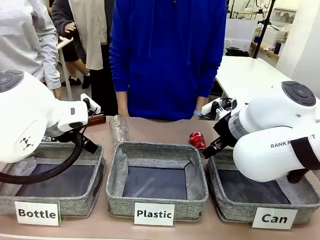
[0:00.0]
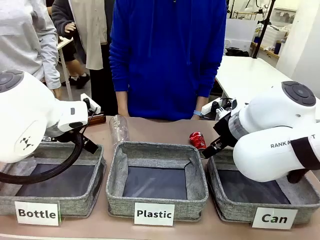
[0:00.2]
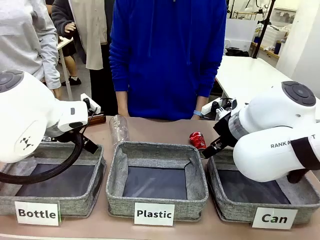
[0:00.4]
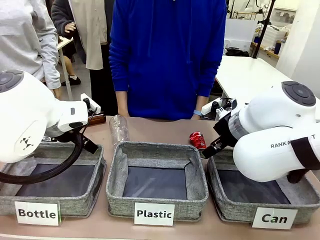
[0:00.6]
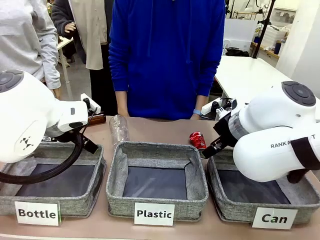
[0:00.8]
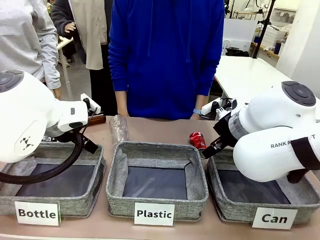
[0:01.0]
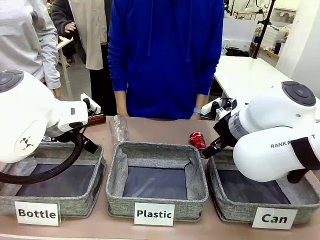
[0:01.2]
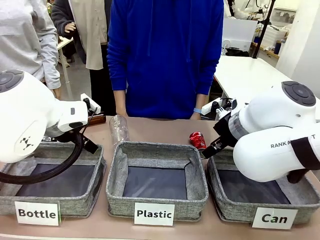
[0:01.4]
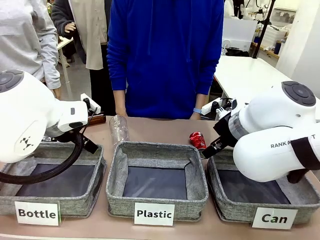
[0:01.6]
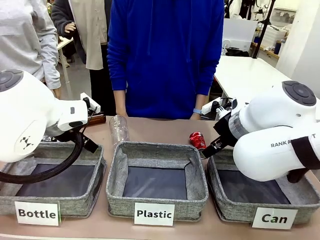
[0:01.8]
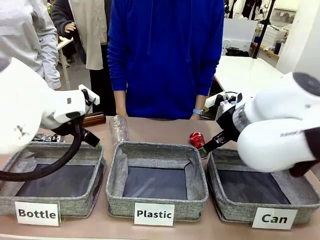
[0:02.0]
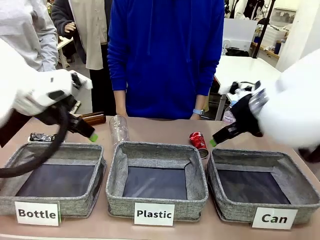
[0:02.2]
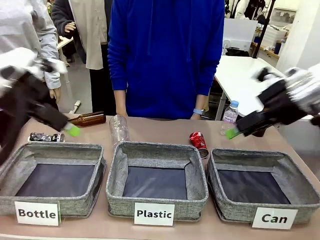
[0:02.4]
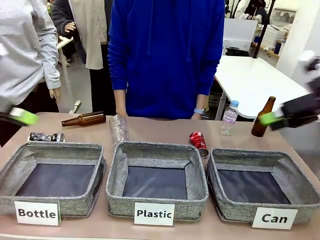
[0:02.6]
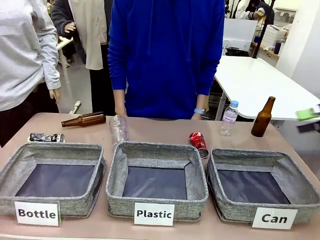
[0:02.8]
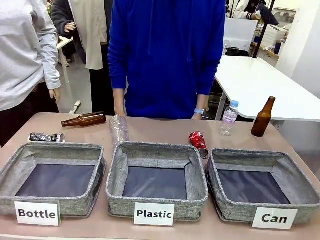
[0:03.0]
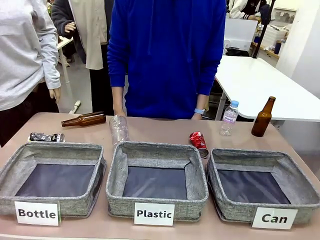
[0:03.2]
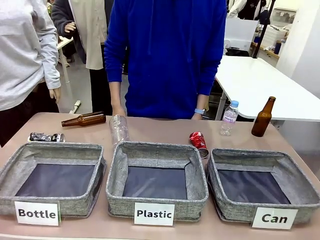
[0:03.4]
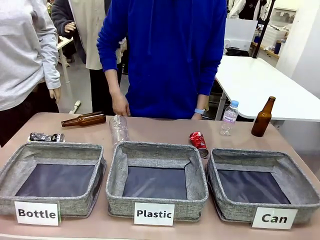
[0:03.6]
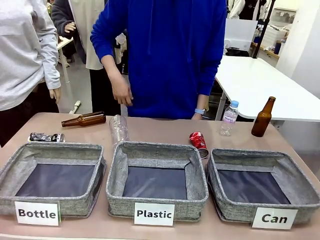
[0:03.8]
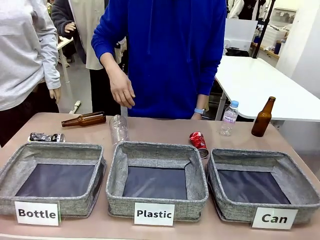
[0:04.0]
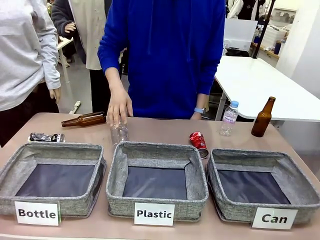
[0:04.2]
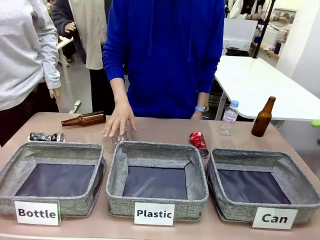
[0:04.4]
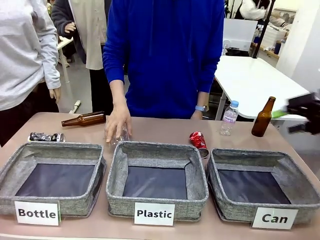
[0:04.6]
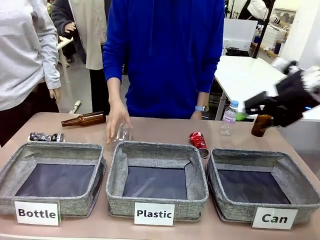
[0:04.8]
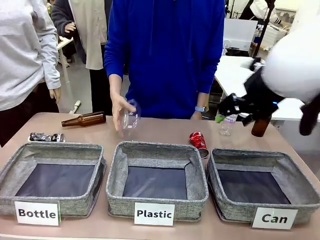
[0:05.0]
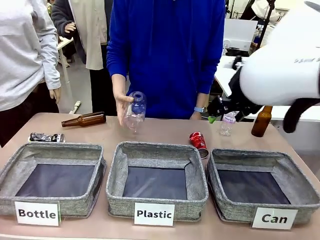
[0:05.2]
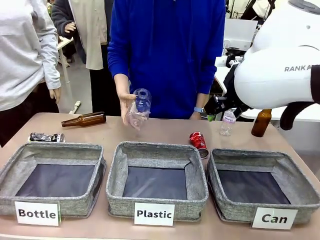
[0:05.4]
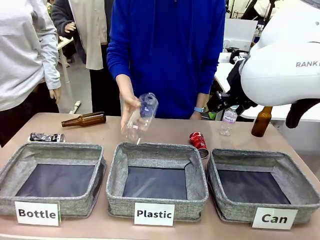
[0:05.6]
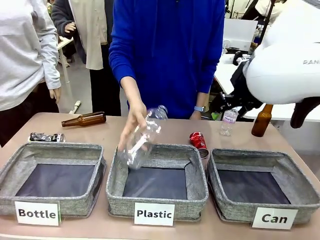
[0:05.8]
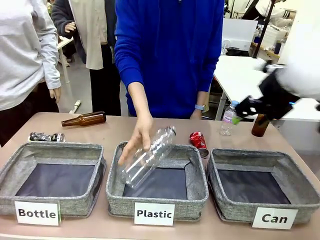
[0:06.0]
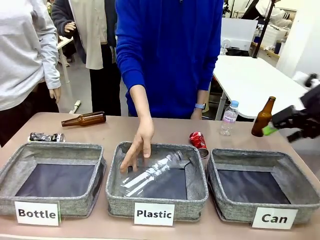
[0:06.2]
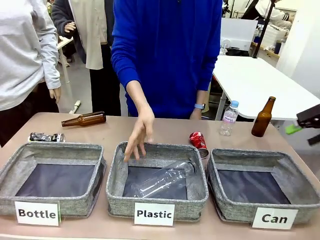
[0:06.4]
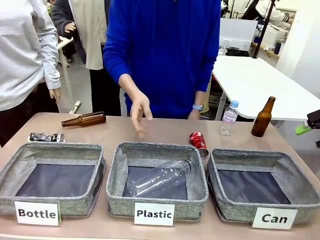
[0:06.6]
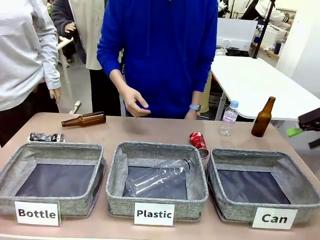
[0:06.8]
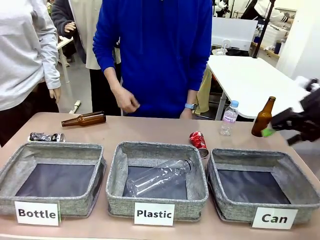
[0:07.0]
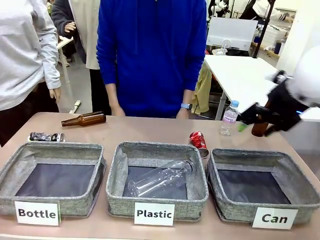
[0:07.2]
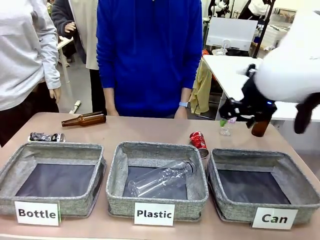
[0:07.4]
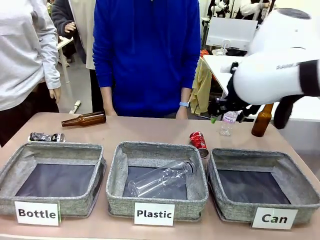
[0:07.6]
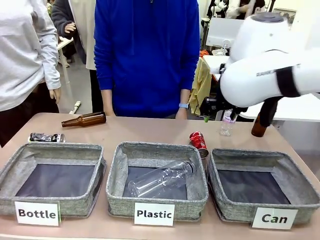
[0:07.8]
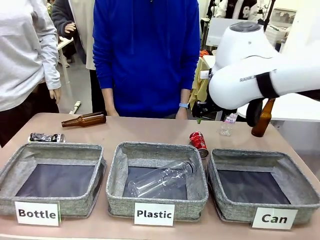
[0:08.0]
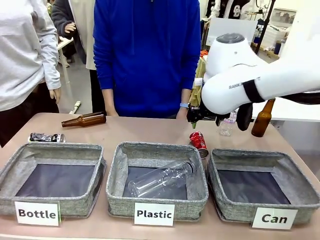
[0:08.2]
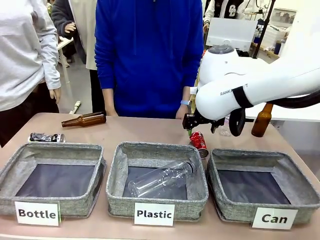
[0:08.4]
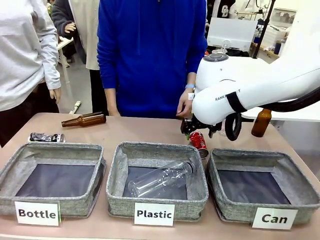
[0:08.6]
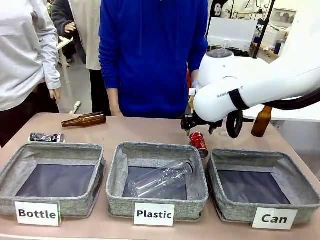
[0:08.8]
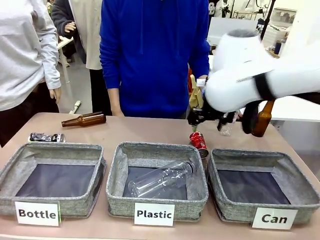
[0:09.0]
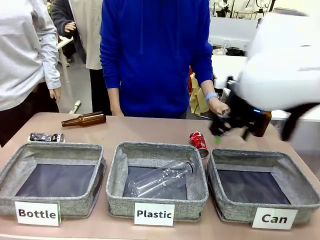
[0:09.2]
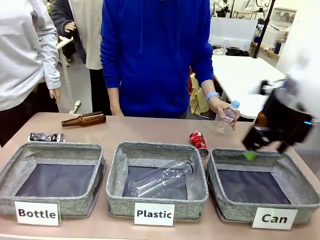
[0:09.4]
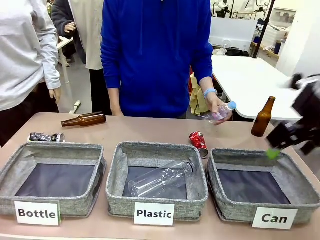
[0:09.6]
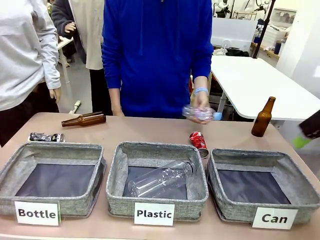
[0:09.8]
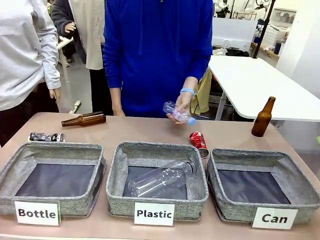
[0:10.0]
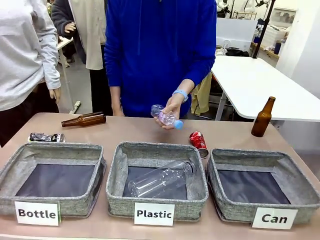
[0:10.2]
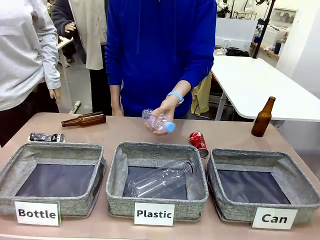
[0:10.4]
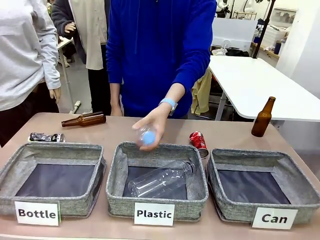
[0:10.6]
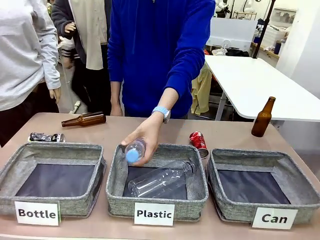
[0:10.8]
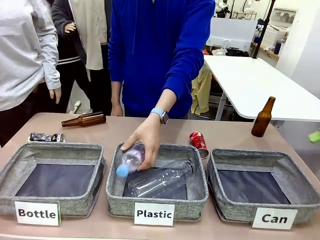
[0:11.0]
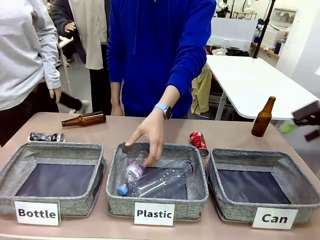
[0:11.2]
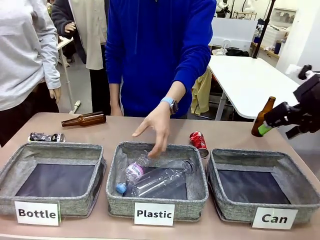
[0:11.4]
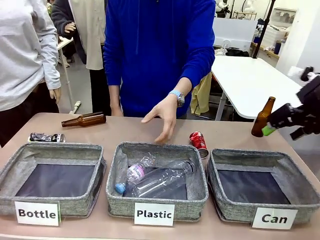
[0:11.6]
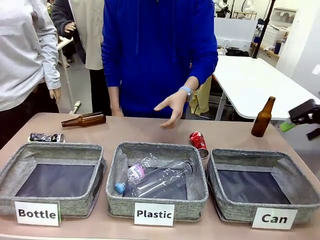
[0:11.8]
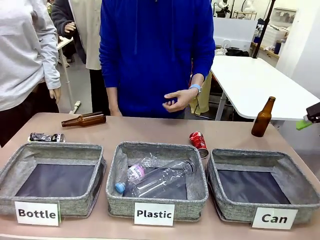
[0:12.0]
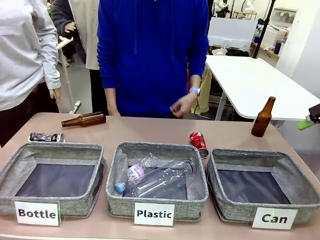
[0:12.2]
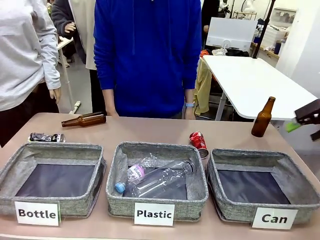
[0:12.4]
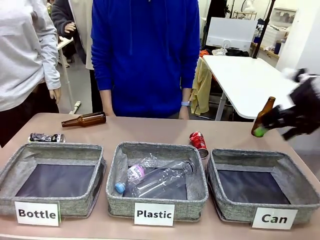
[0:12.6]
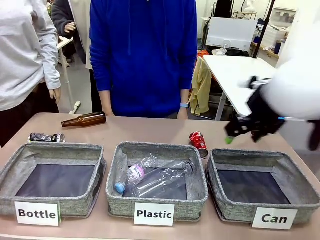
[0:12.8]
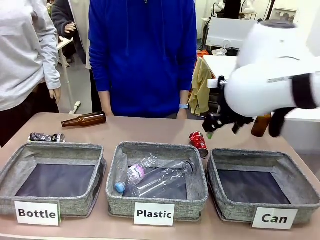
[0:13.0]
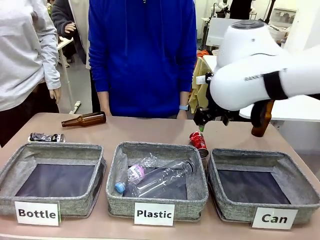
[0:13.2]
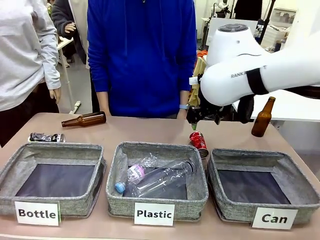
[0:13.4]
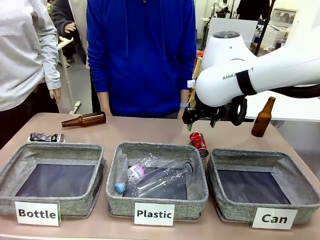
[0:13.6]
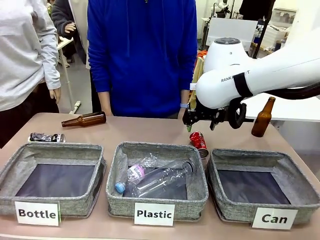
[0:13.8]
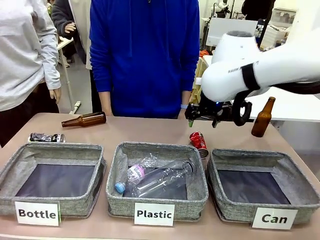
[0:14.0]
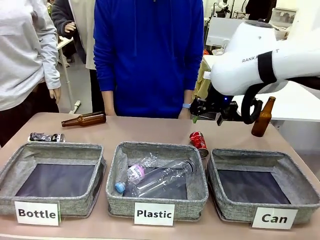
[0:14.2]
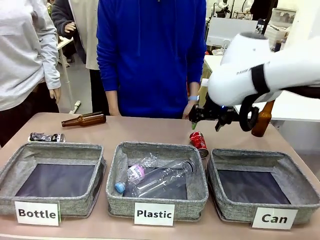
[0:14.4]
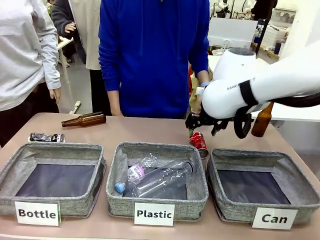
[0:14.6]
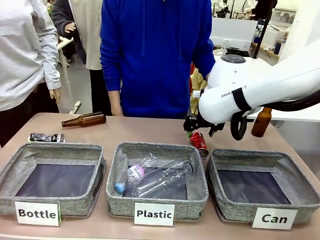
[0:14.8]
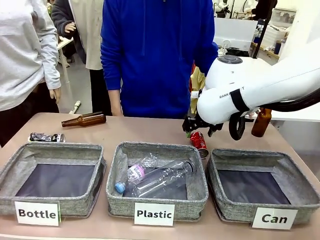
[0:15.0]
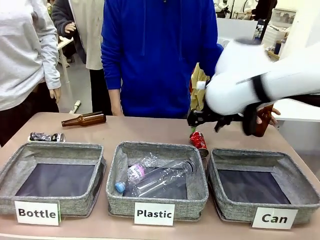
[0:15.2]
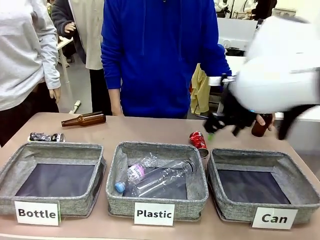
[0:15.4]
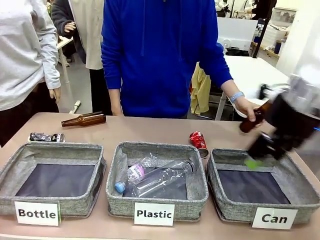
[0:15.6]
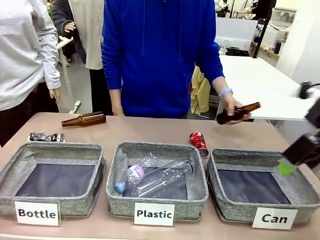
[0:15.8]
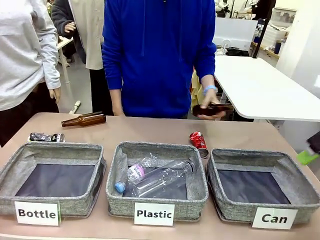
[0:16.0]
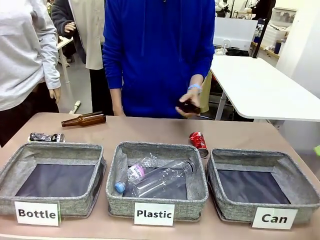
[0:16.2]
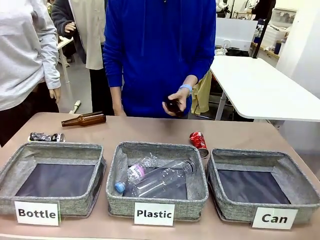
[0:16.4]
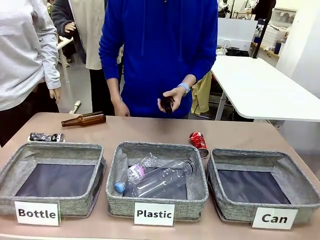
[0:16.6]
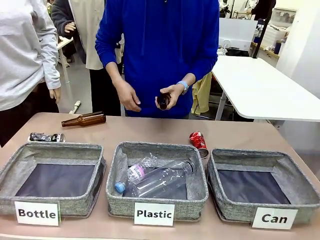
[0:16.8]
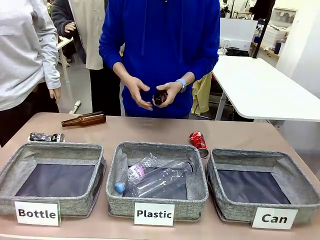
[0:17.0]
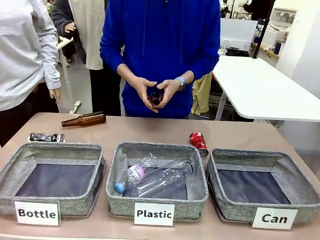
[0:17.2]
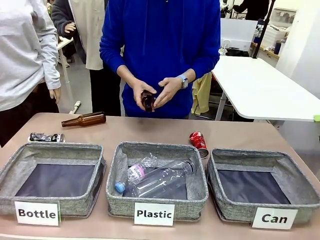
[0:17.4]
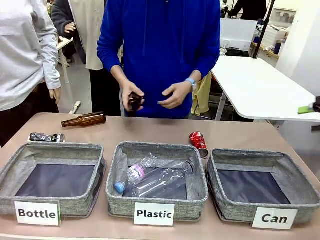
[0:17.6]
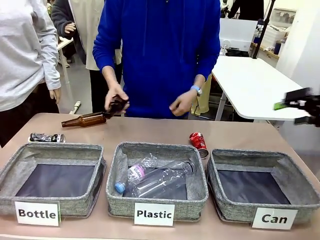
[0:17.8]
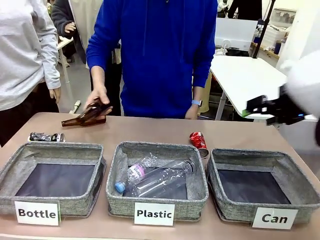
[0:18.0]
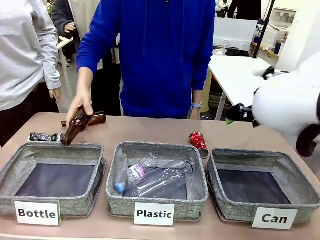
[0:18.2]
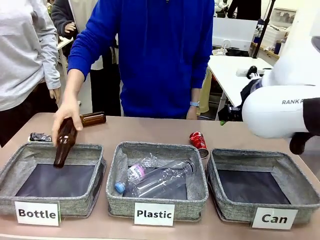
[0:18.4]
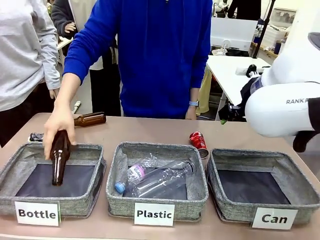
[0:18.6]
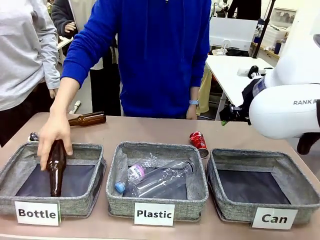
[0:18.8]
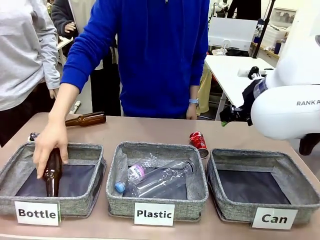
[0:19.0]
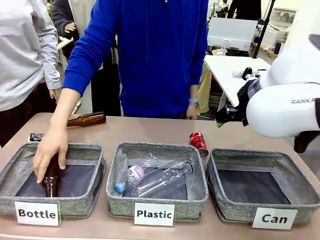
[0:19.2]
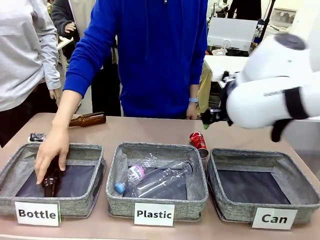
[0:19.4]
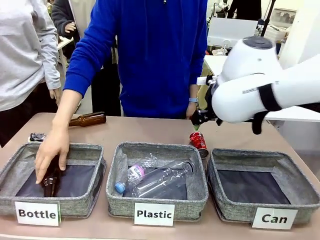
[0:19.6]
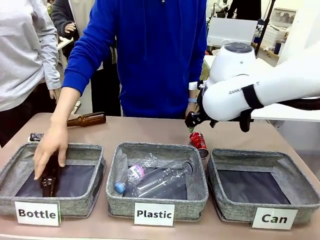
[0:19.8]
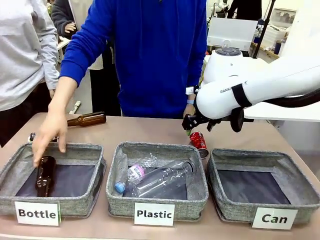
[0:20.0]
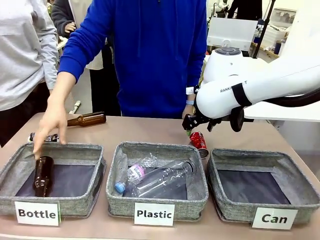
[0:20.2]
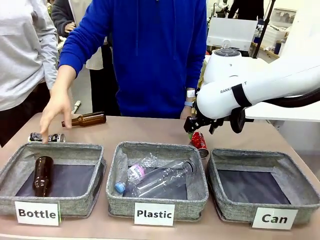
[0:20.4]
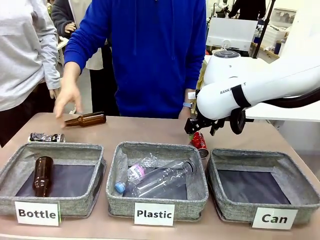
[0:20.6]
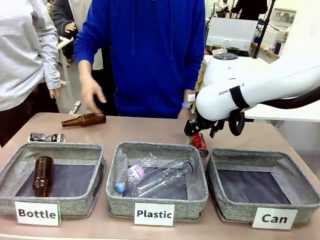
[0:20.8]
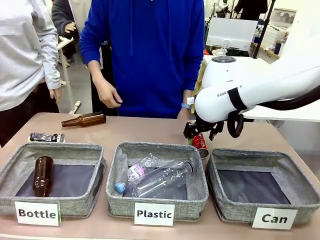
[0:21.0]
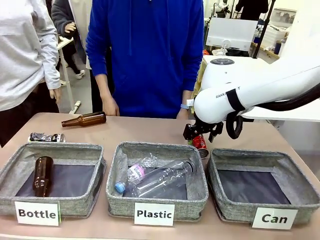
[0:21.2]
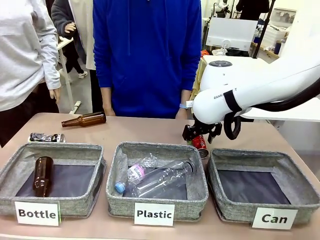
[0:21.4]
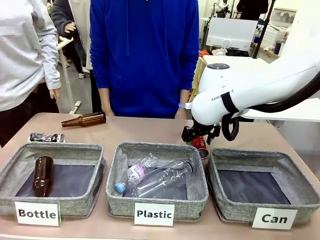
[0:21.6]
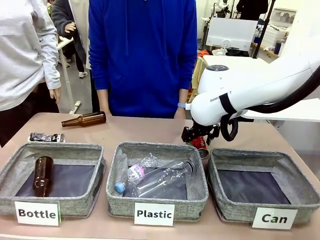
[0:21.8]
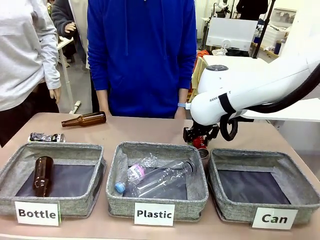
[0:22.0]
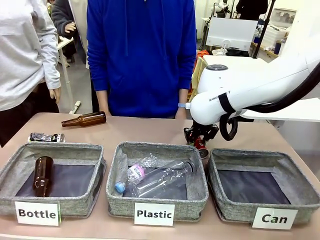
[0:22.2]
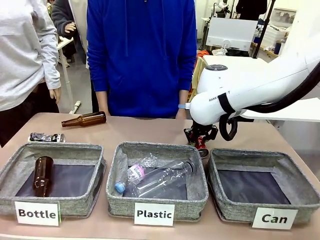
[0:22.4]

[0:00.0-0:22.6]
Task: Sort the can waste into the basket.
Robot: Pick up the can waste from the table and place it in the right Fabric basket.
